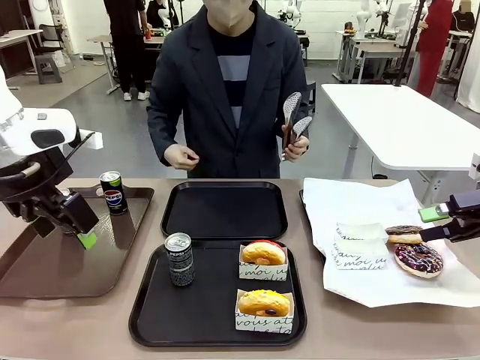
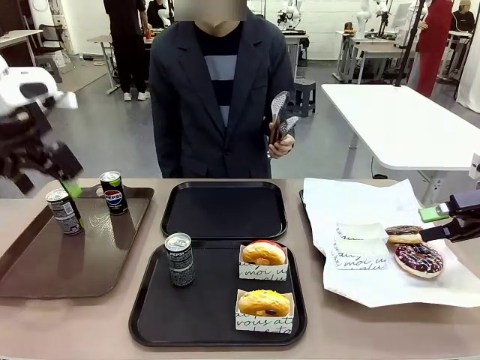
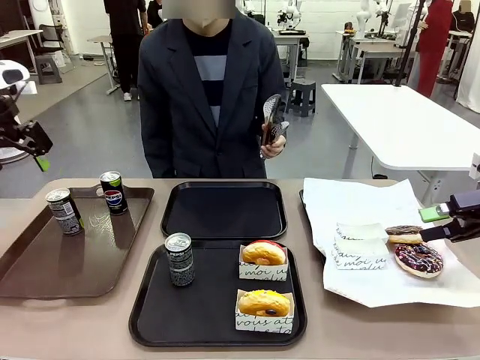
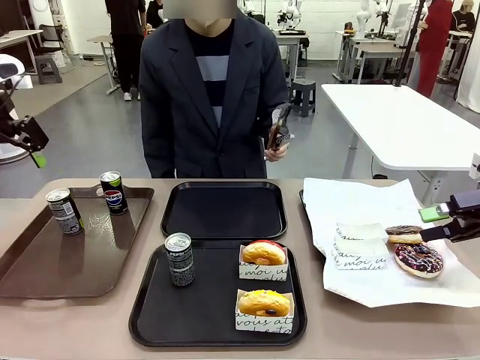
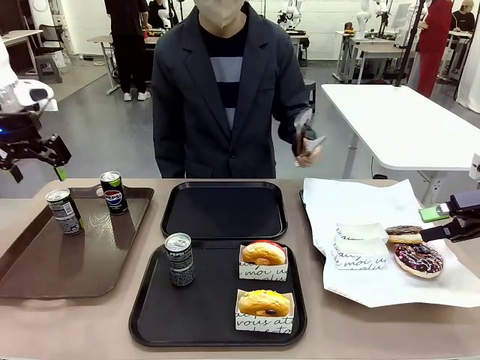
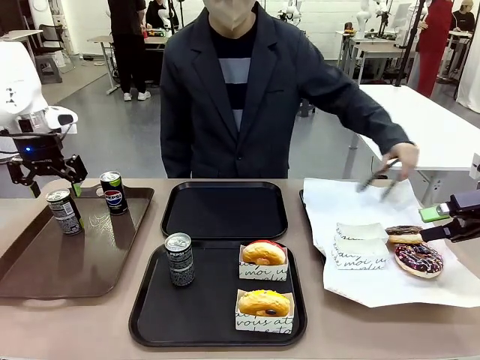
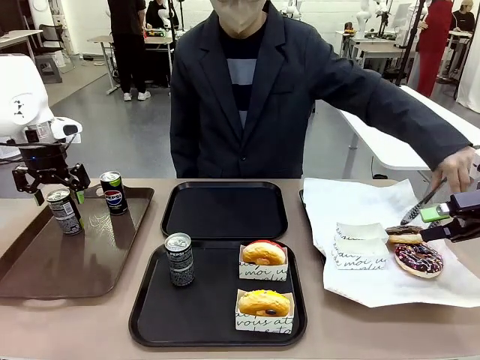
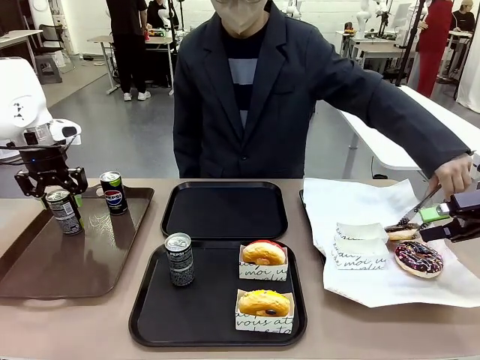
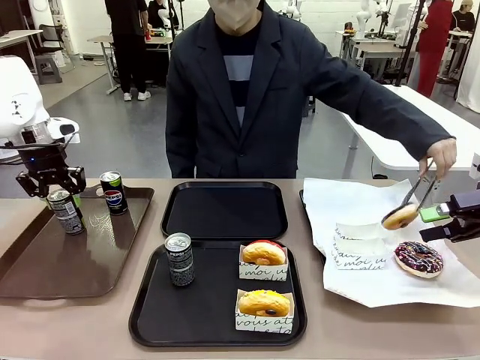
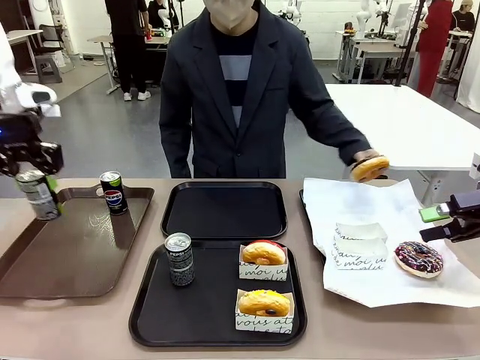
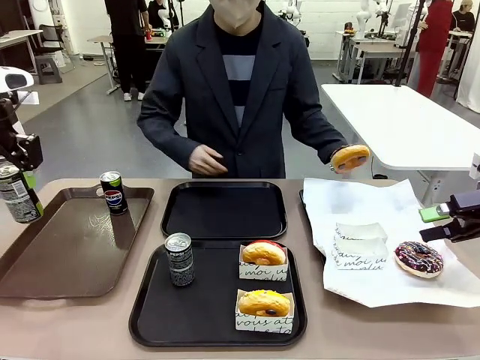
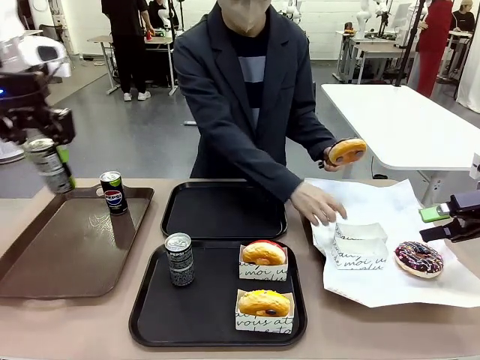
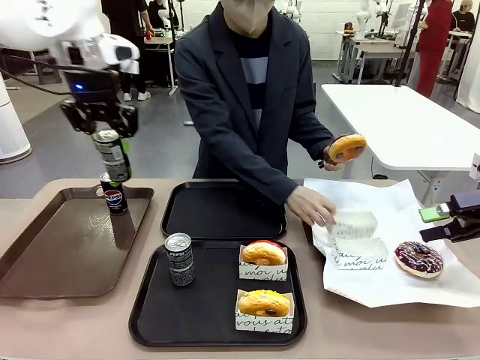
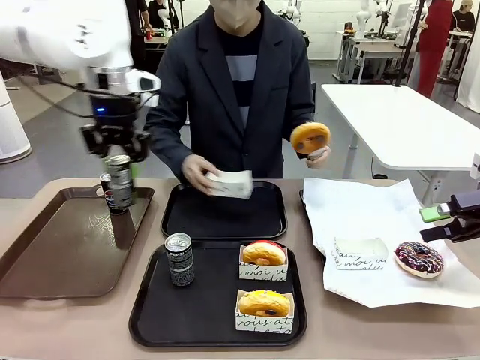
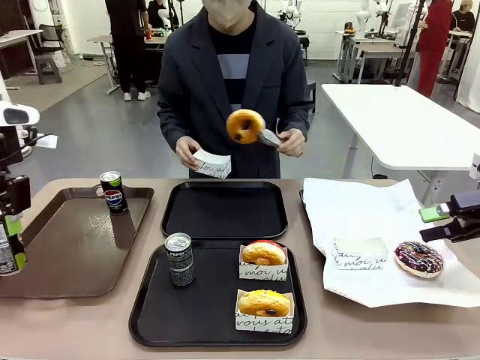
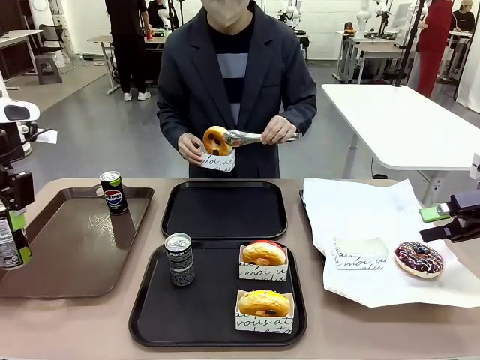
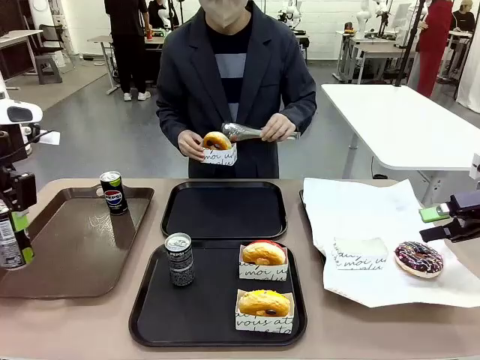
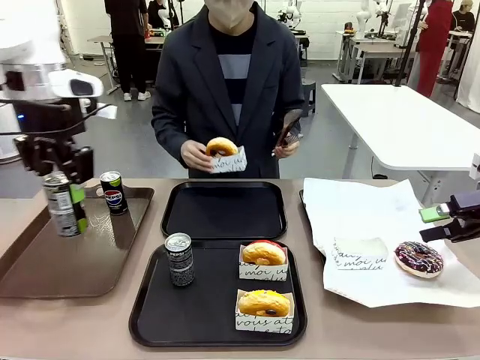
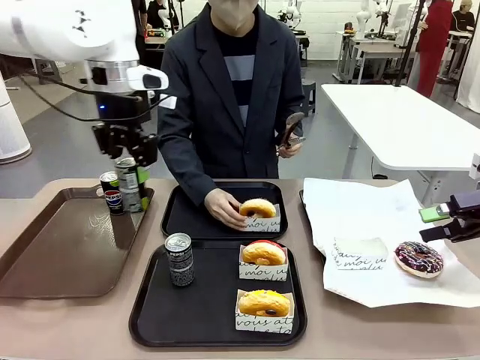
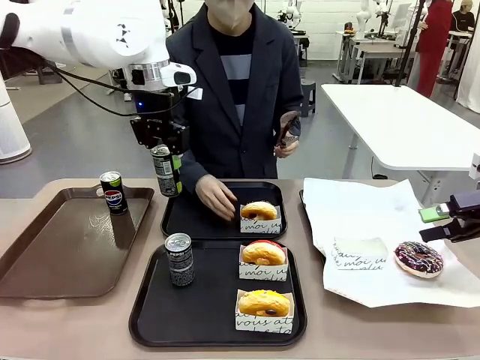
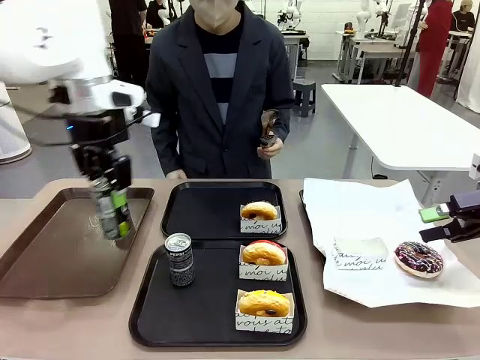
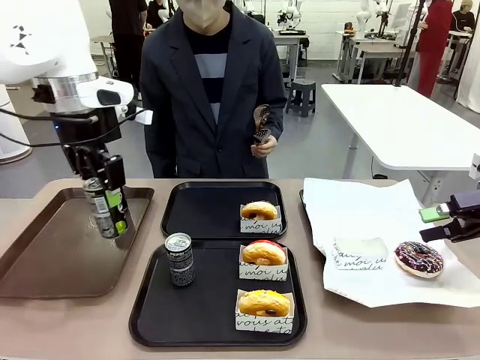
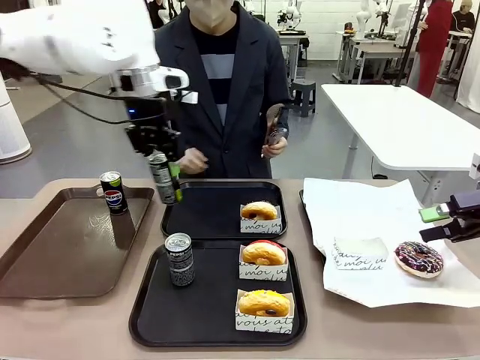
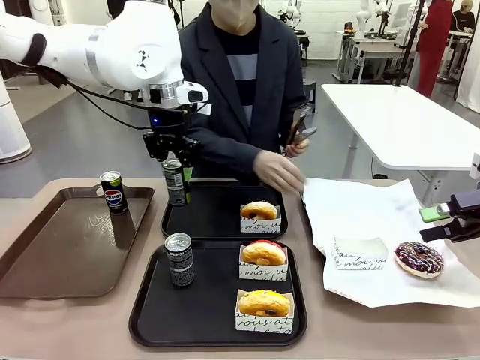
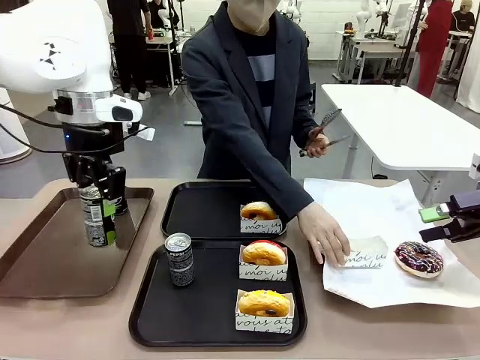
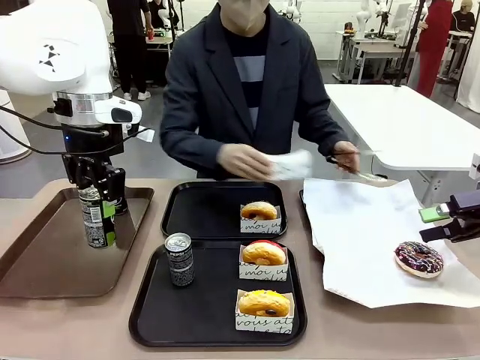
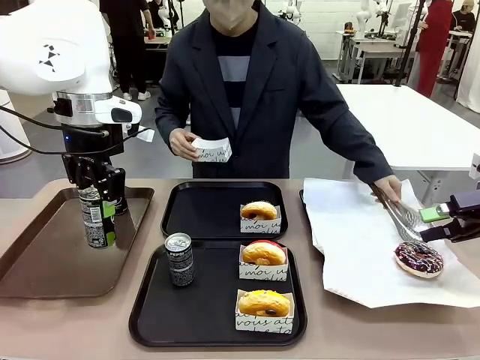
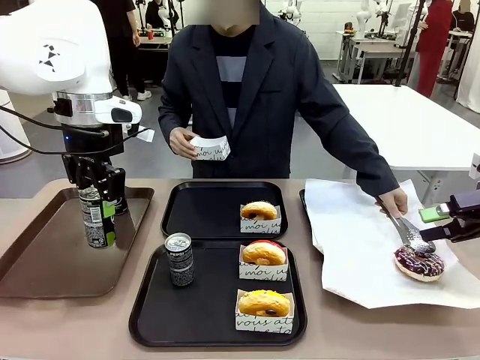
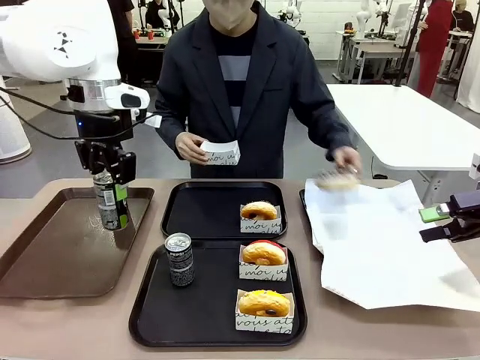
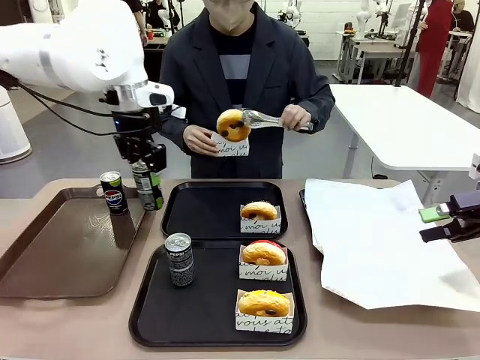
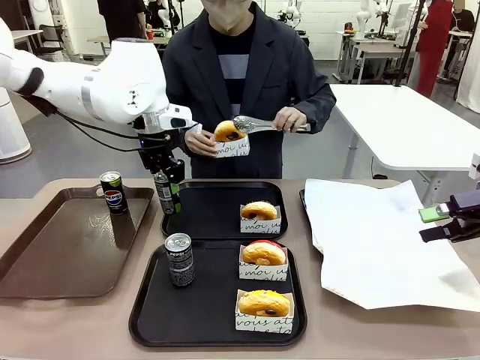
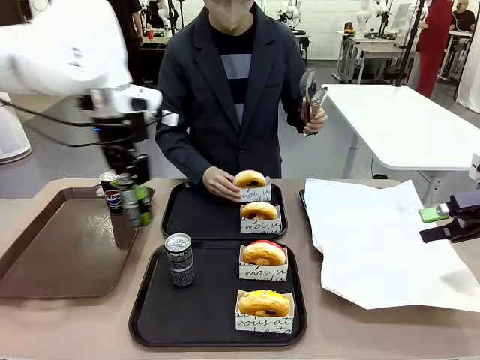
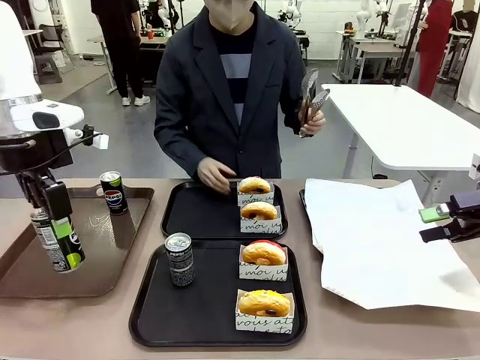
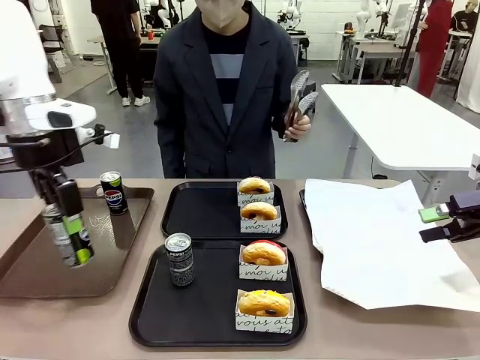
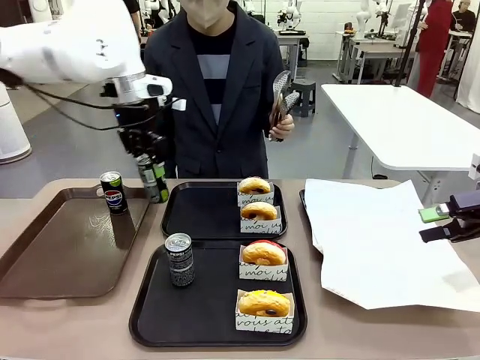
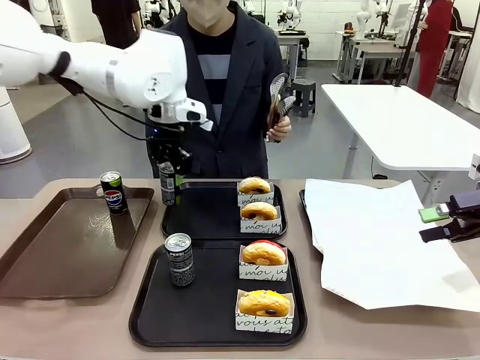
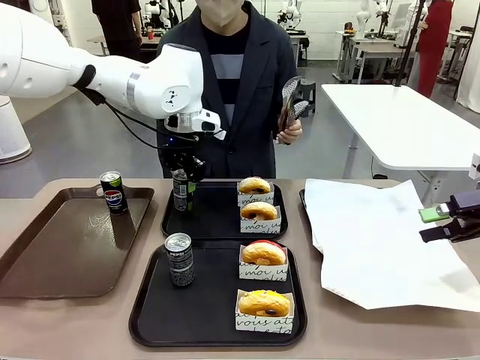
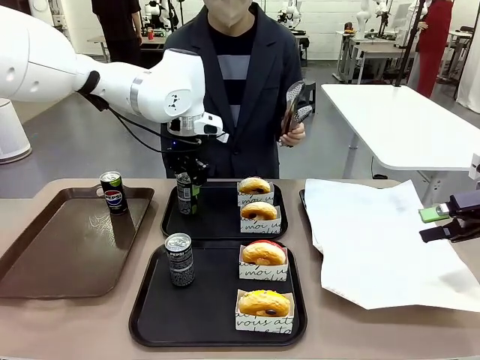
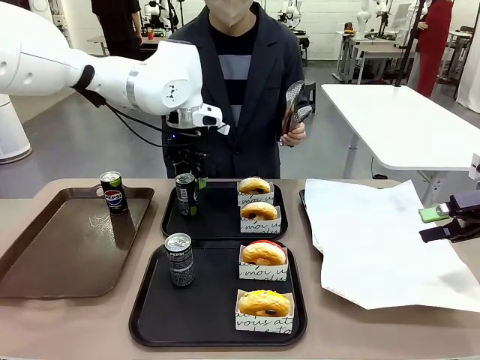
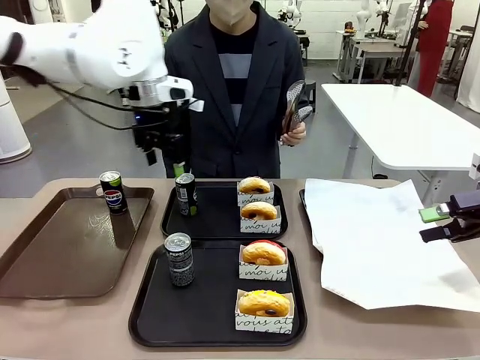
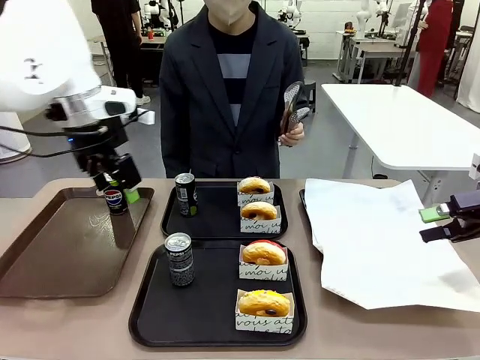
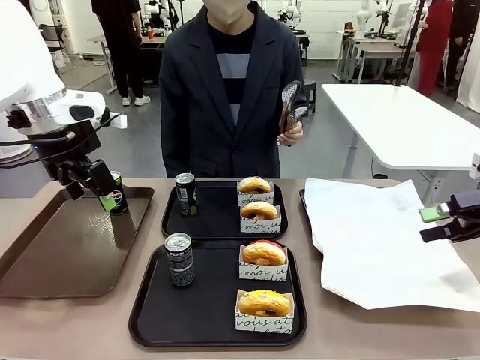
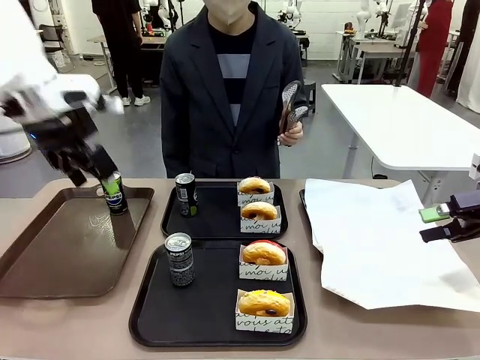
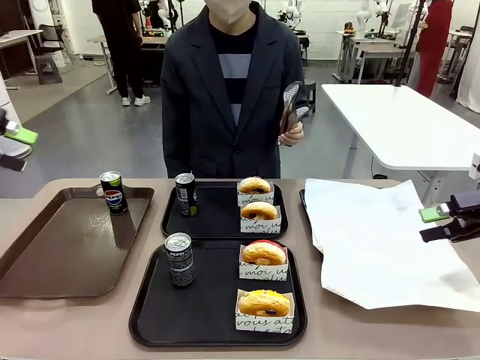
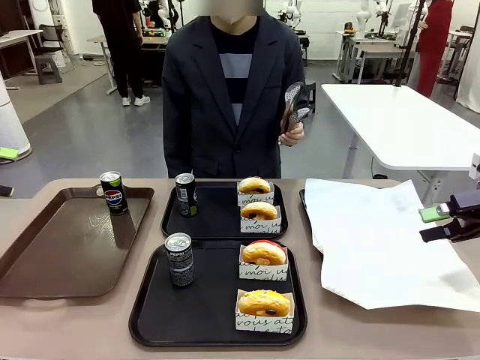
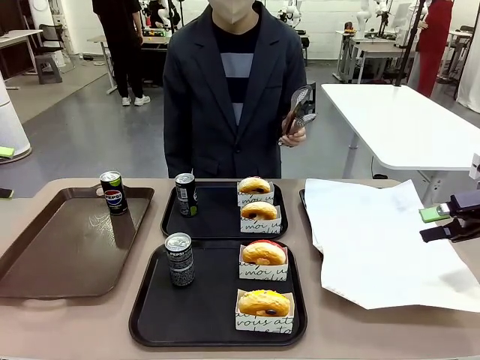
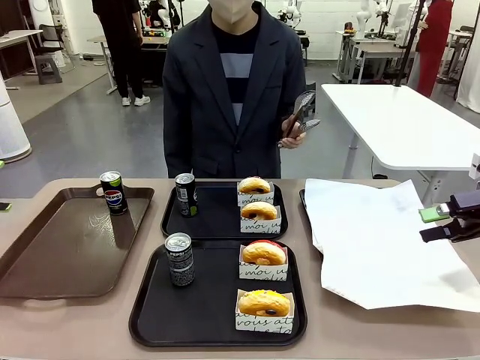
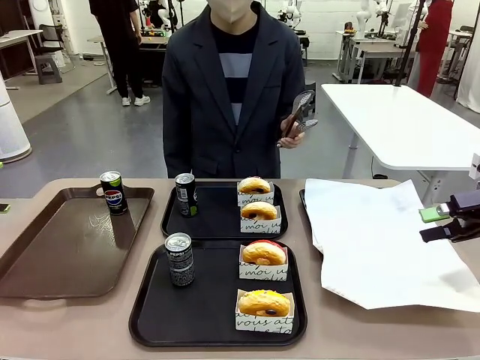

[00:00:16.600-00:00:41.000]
Task: Set up donuts and drinks on trays.
Robot: Pick up one Pepsi coke from the Handle tray and place it on the Flat Tray without a Pepsi coke.
Person: Pick up one donut with tongs, place it in the donut tray, and then place the donut tray on the flat tray.
